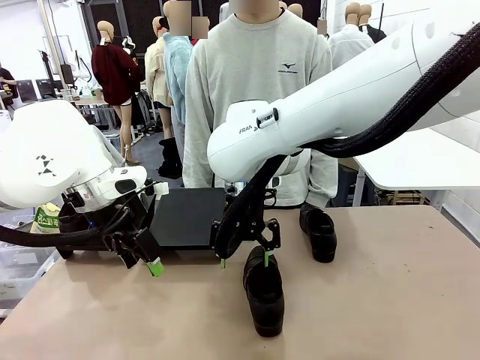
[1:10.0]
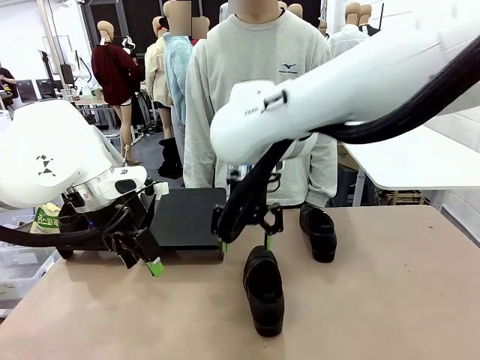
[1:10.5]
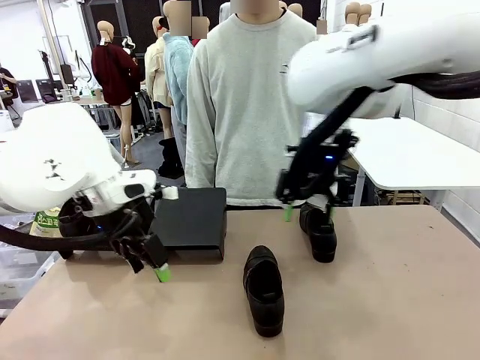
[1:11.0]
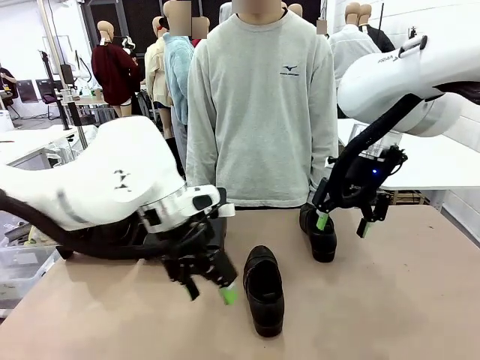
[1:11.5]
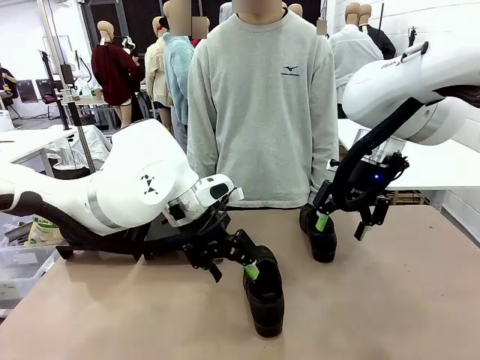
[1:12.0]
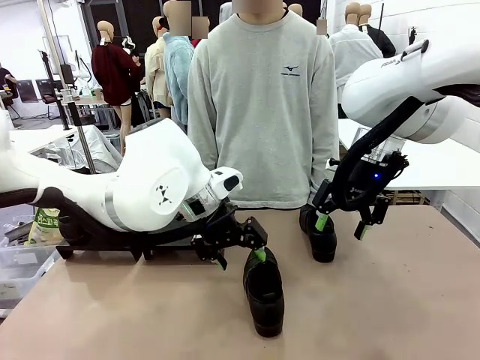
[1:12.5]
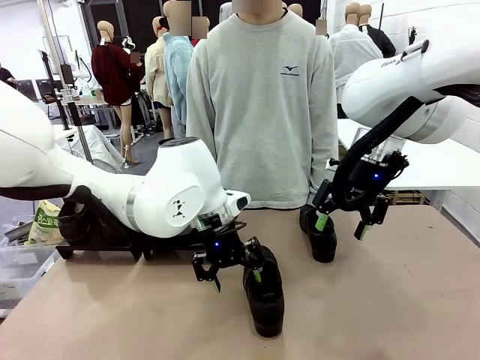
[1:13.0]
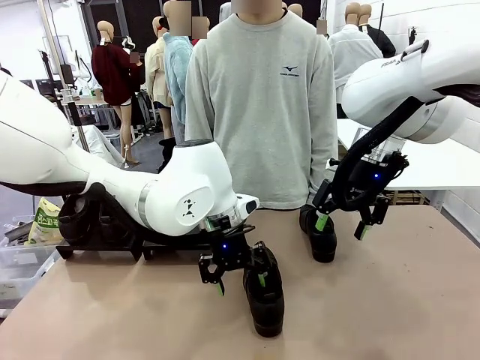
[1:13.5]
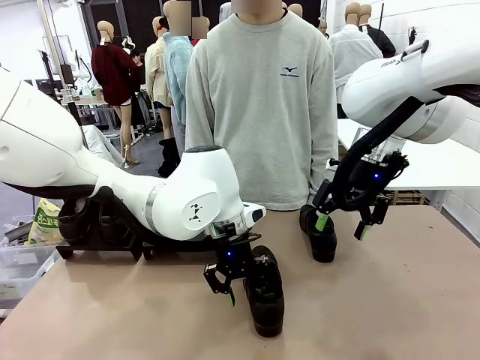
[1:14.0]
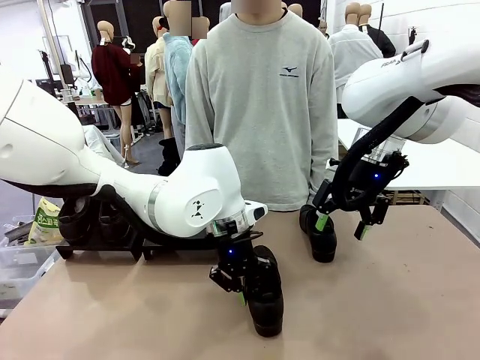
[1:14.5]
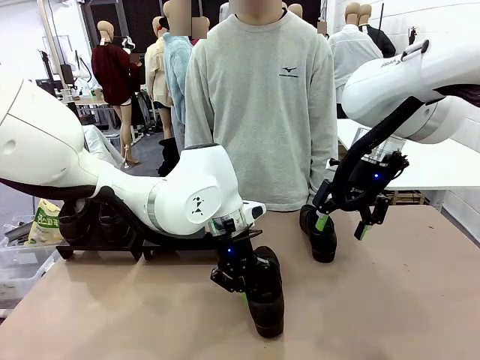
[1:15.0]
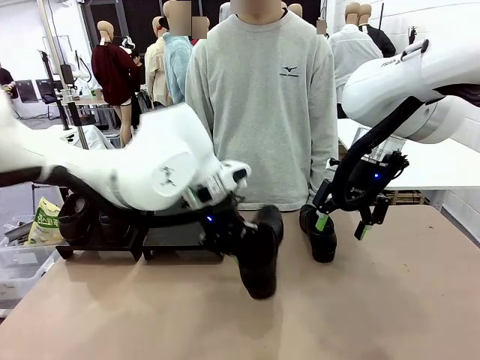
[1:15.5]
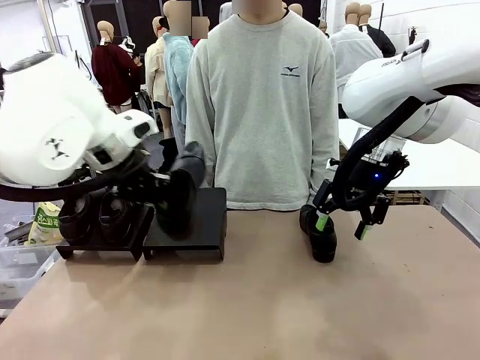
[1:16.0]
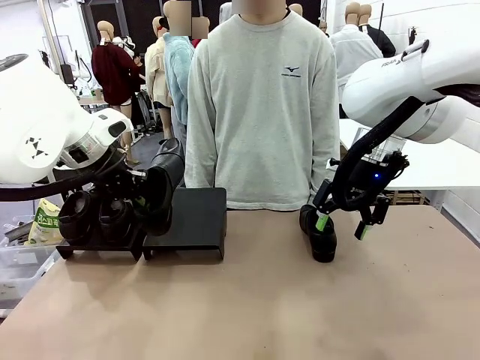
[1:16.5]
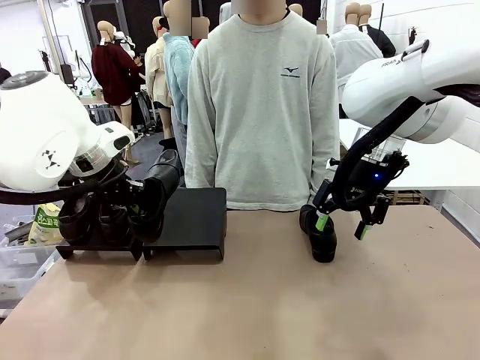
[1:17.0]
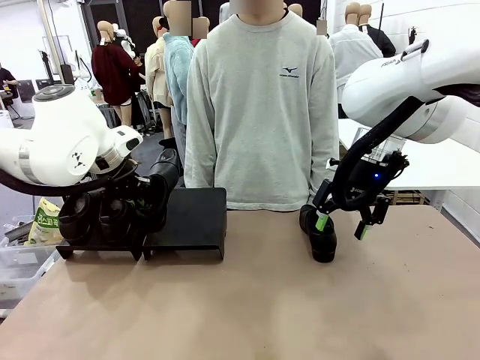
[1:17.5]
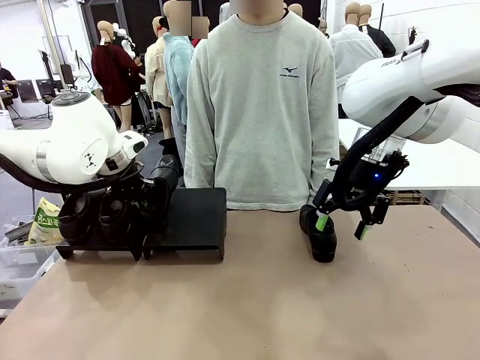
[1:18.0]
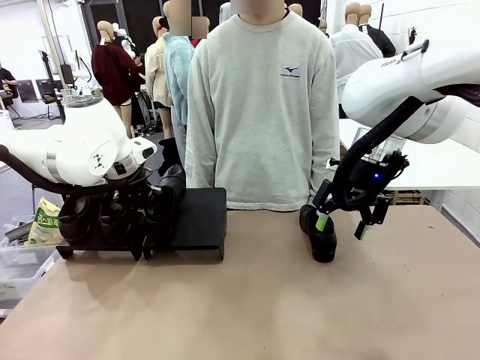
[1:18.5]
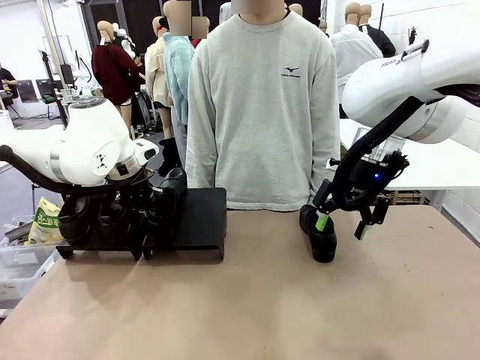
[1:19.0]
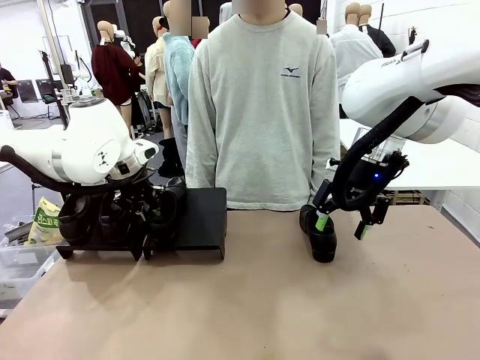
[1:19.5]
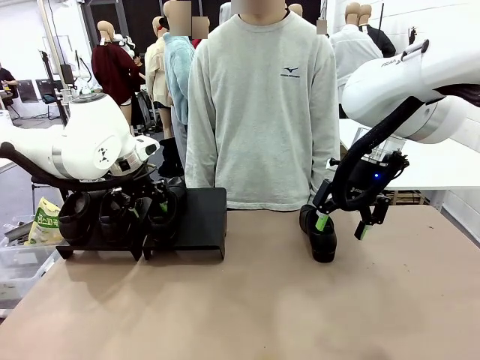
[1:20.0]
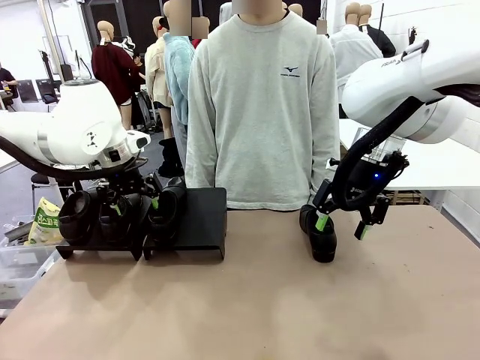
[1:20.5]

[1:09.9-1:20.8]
Task: Organize the shoes by placing them on the stand.
Robot: Place the Shoe from the middle of the table onto the Shoes Stand.

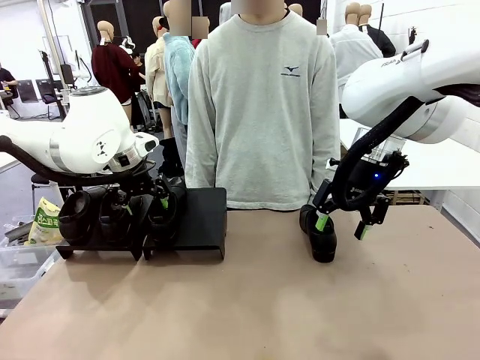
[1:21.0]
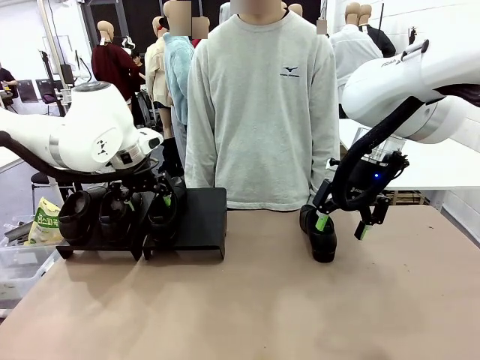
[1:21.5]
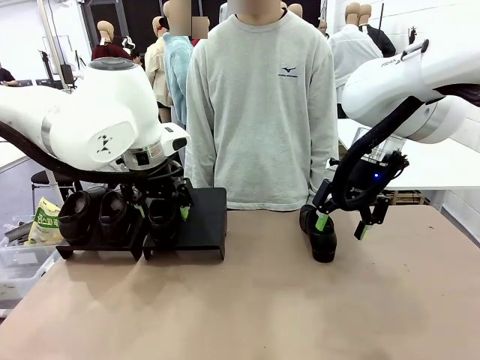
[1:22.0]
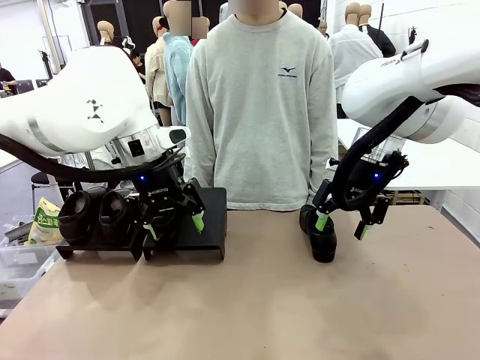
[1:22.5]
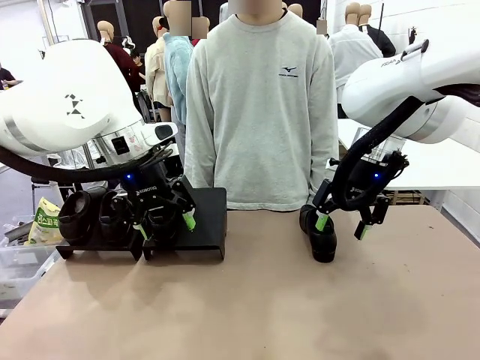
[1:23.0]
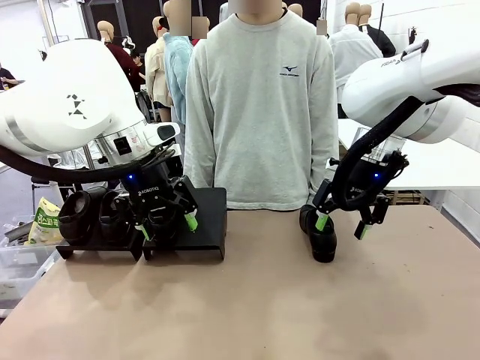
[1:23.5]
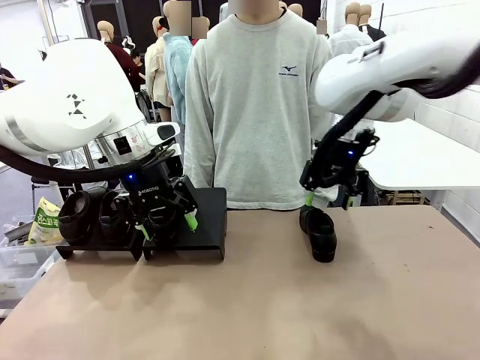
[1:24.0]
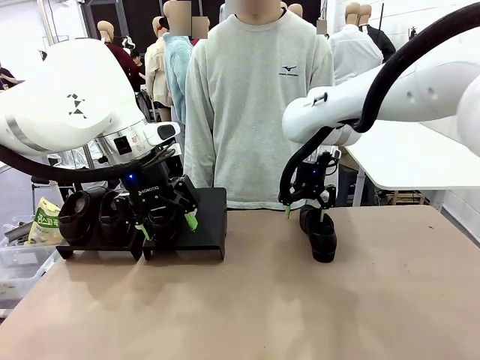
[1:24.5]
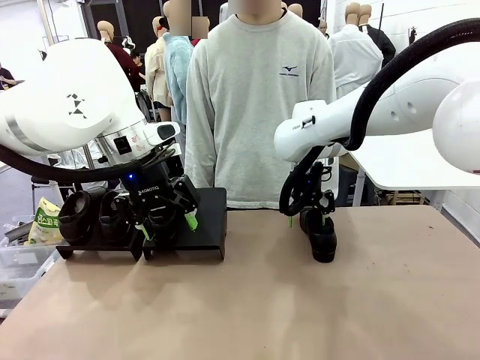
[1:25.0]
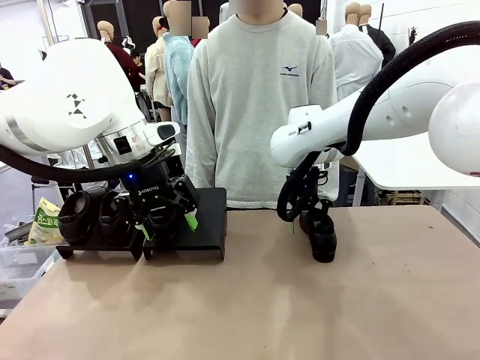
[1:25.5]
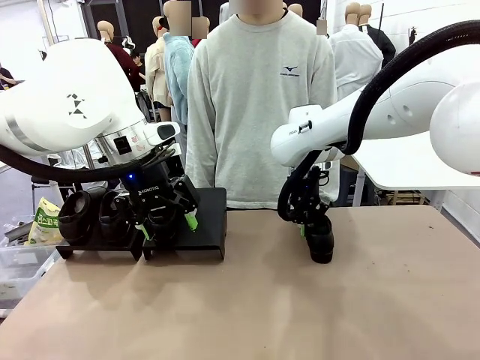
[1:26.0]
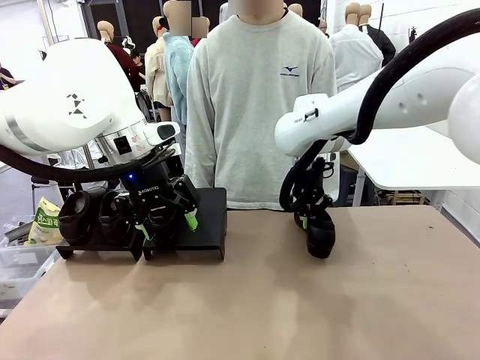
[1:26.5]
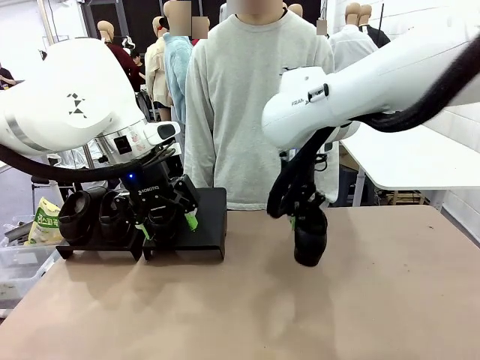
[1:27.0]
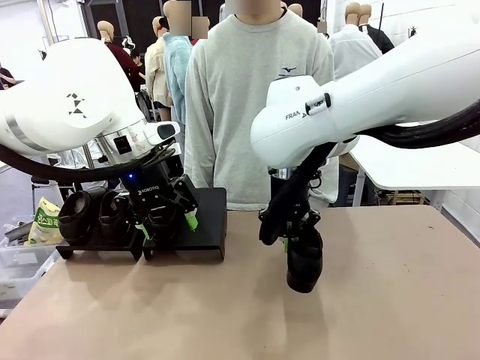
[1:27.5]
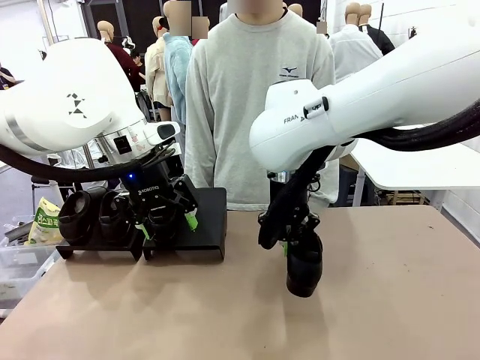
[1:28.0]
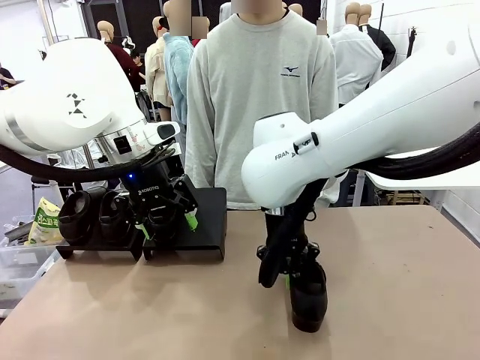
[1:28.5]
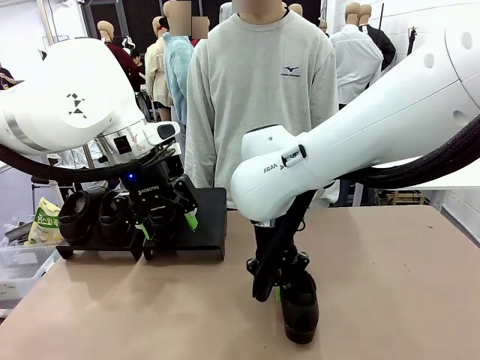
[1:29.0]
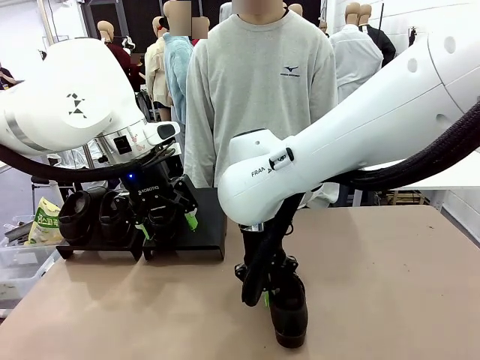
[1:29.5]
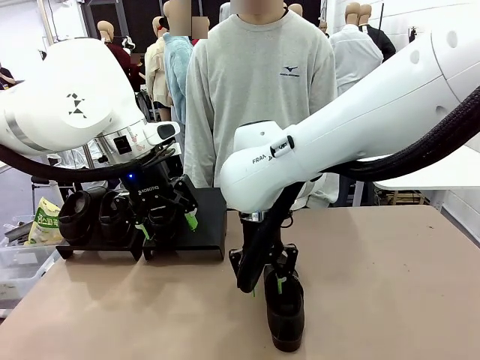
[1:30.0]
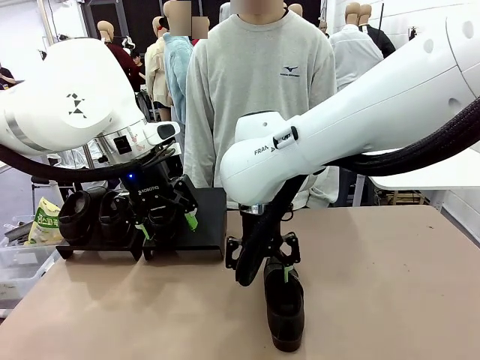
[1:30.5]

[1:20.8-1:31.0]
Robot: Pick up one Shoe and place it in the middle of the table.

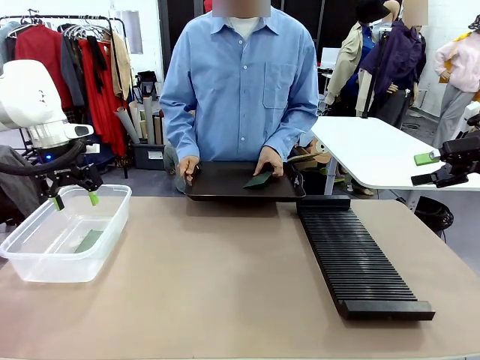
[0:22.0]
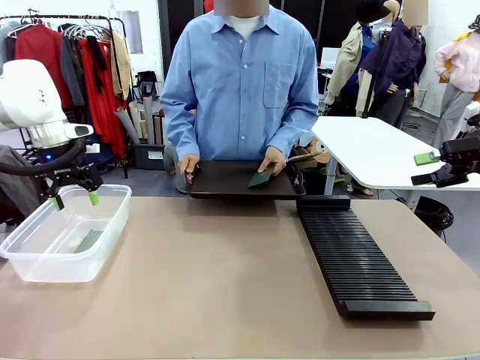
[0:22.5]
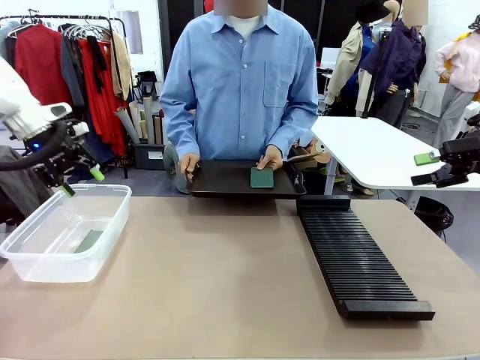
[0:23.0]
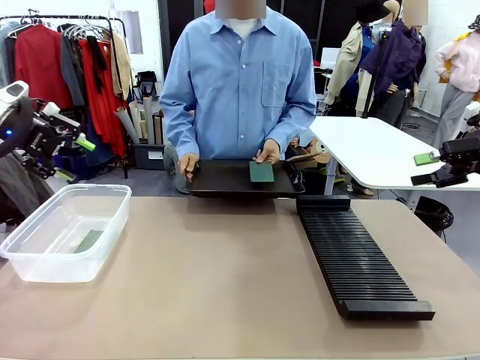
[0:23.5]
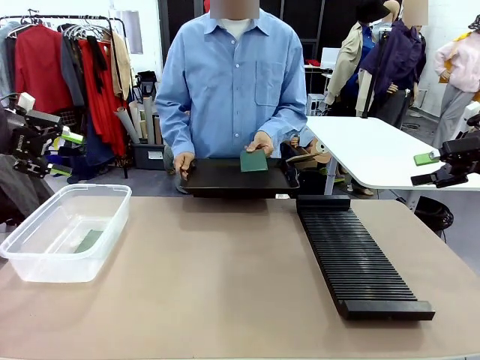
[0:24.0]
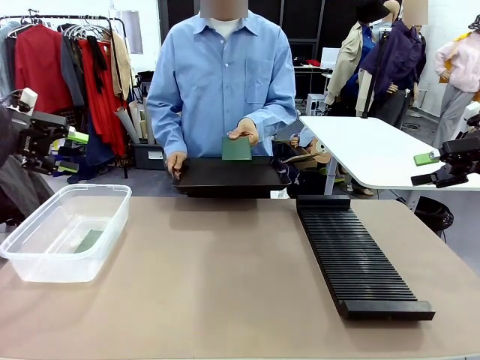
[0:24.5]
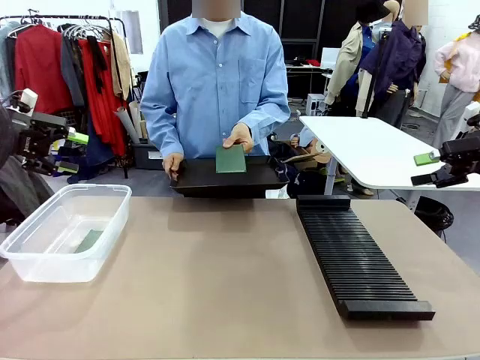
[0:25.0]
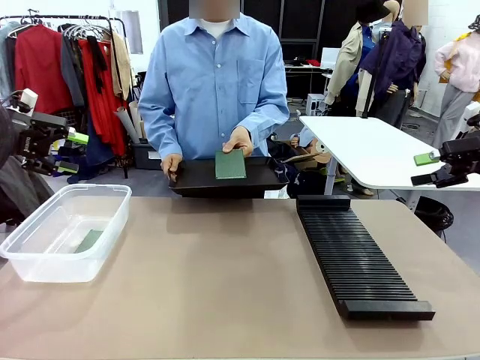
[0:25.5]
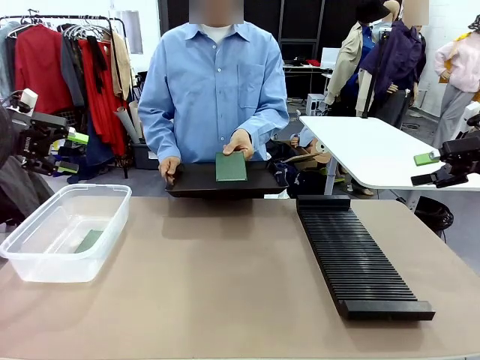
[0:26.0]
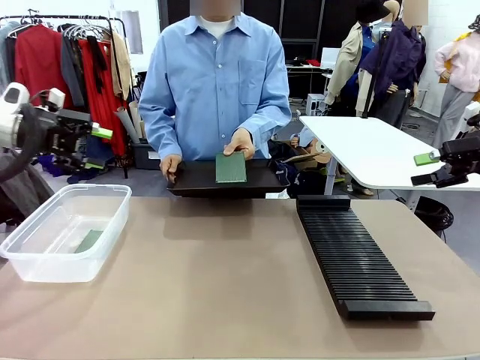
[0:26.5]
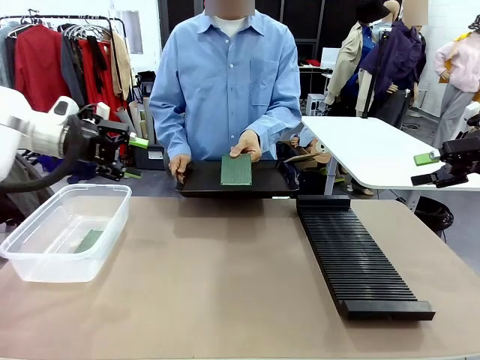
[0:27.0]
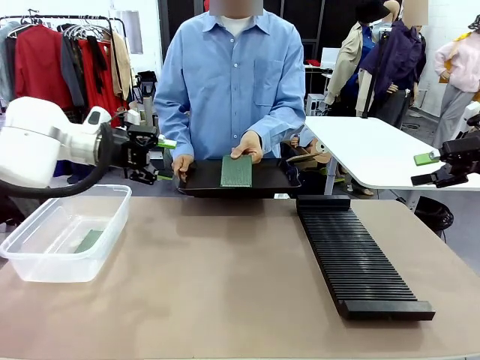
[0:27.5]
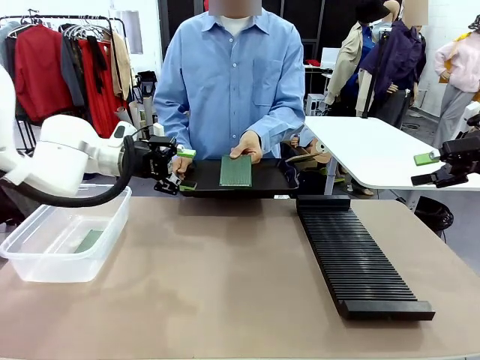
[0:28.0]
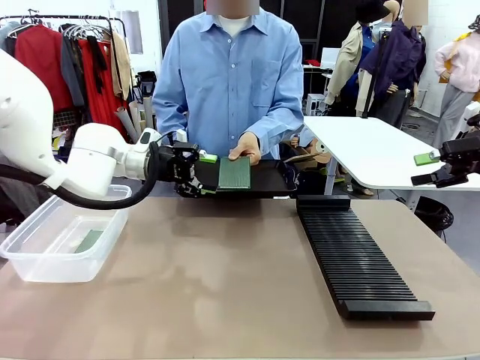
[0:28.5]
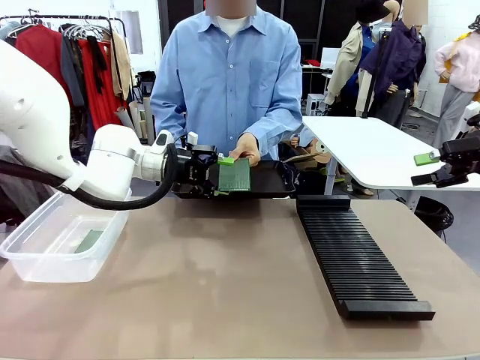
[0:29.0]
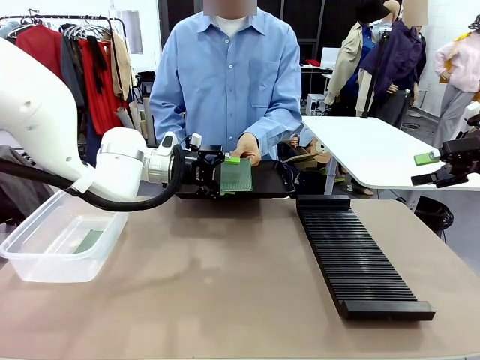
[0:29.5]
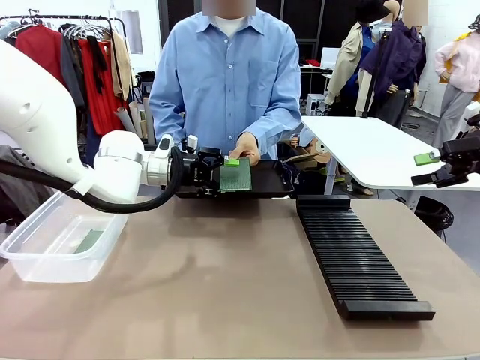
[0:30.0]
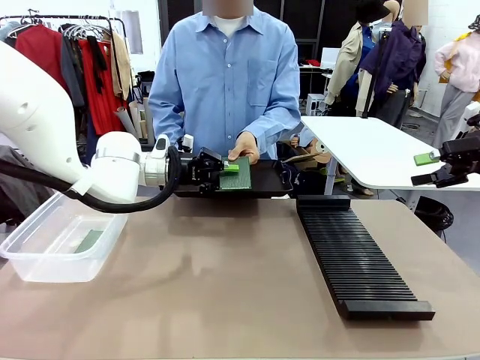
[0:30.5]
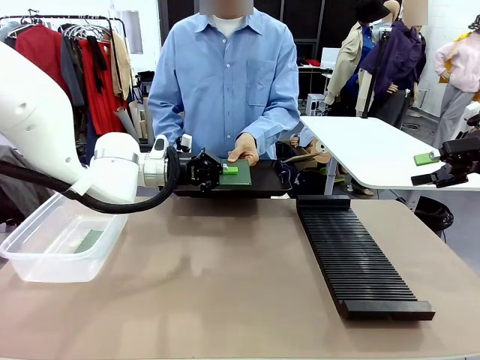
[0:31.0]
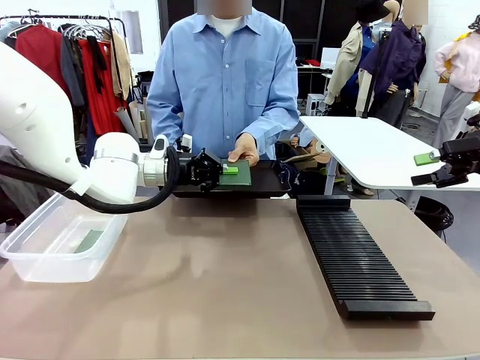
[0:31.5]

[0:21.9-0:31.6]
Task: Sort PCBs into racks and boxes based on the side picked up.
Robot: Pick up the Blank PCB handed by the Human.
